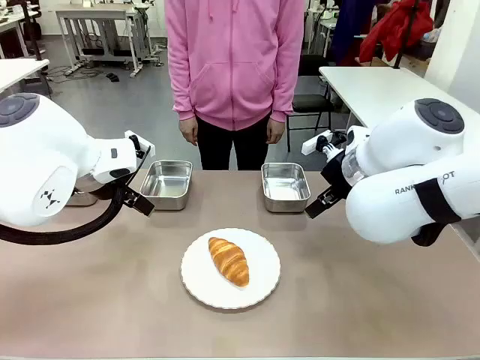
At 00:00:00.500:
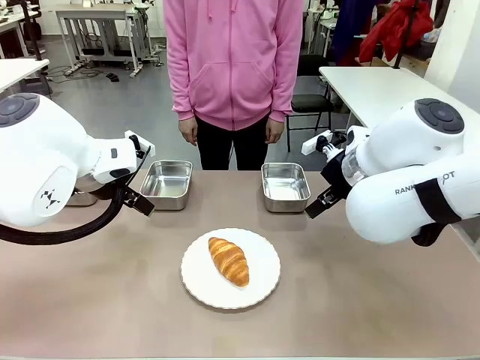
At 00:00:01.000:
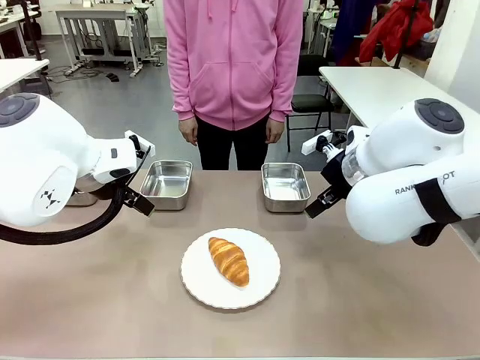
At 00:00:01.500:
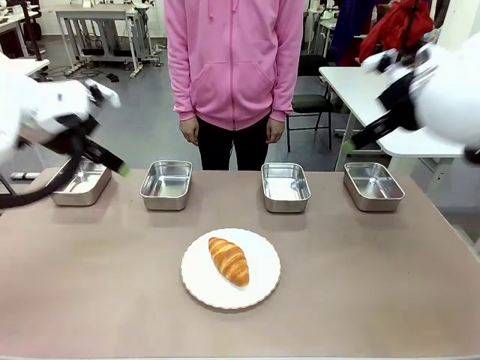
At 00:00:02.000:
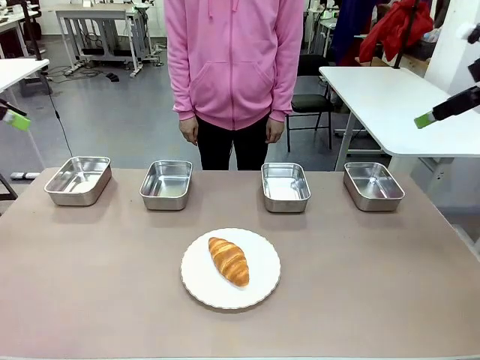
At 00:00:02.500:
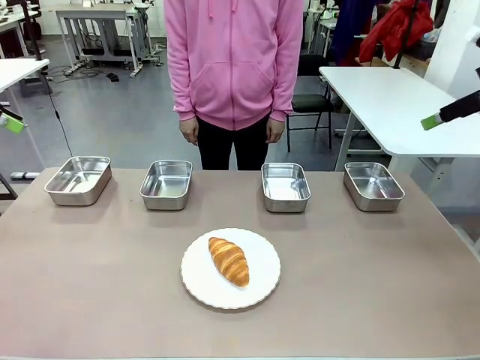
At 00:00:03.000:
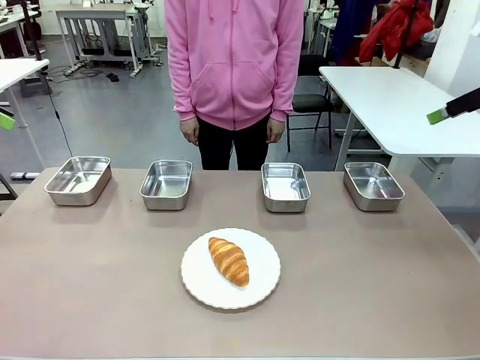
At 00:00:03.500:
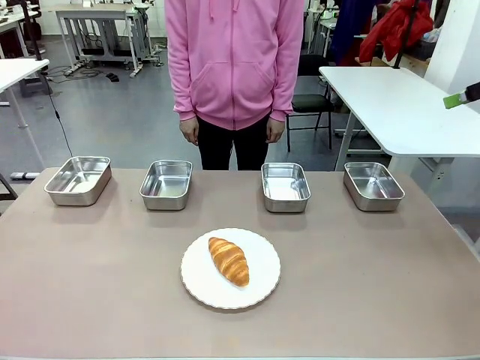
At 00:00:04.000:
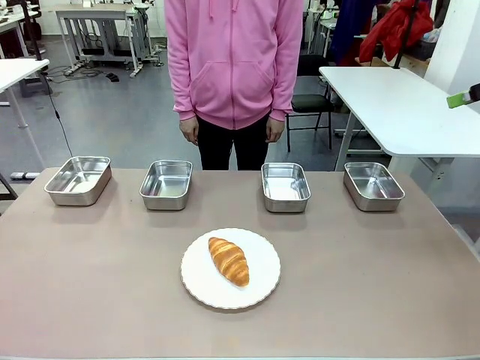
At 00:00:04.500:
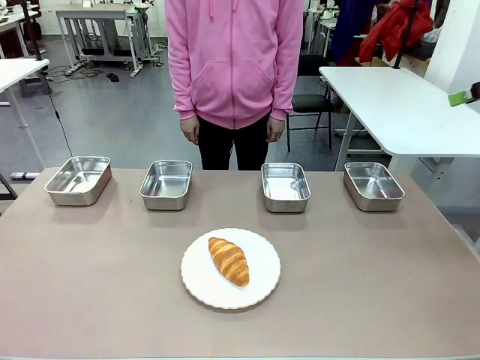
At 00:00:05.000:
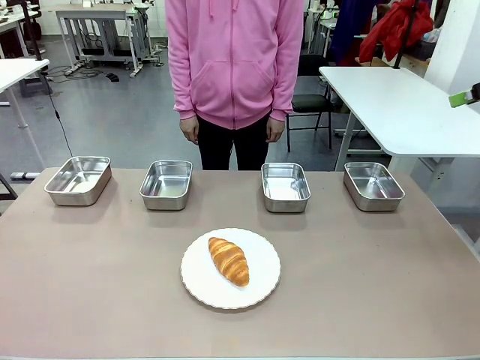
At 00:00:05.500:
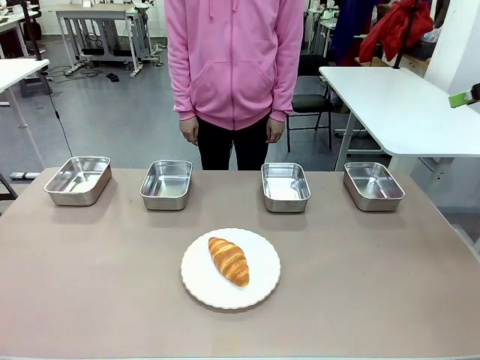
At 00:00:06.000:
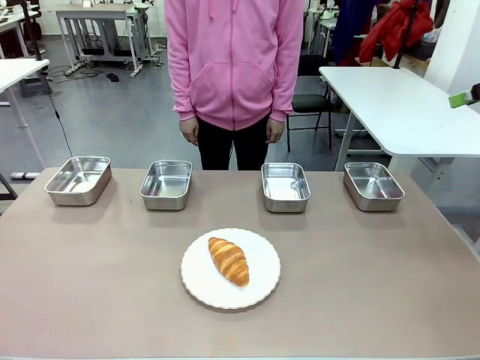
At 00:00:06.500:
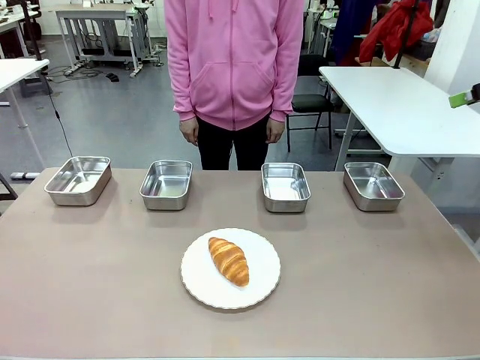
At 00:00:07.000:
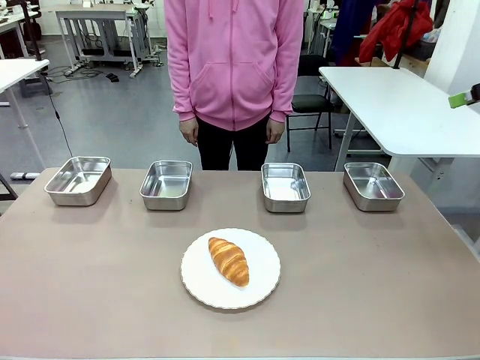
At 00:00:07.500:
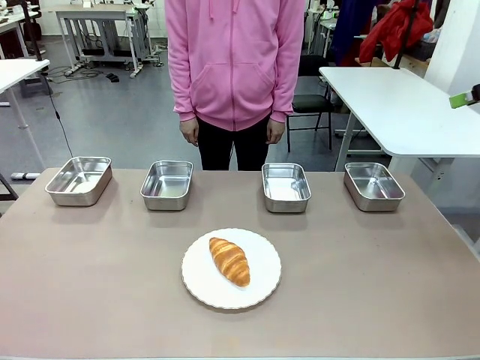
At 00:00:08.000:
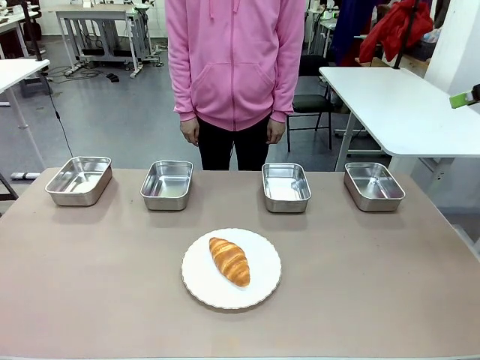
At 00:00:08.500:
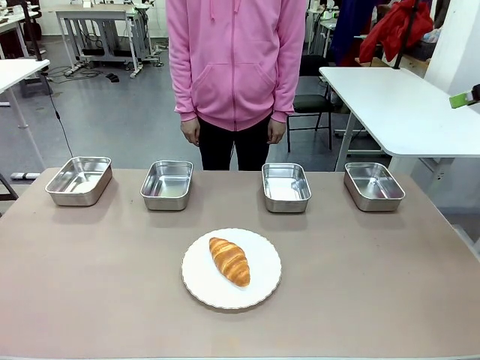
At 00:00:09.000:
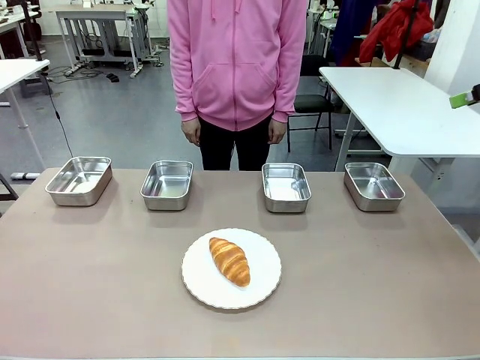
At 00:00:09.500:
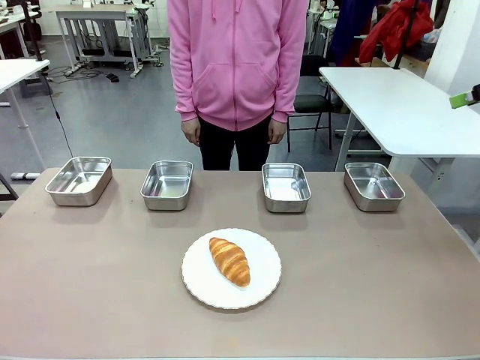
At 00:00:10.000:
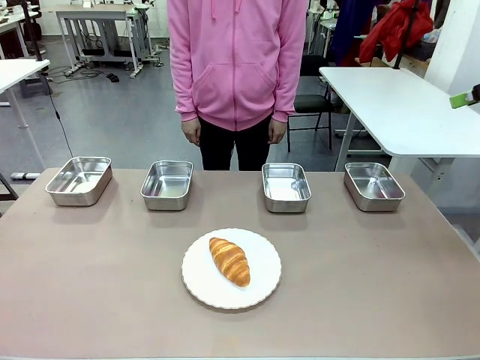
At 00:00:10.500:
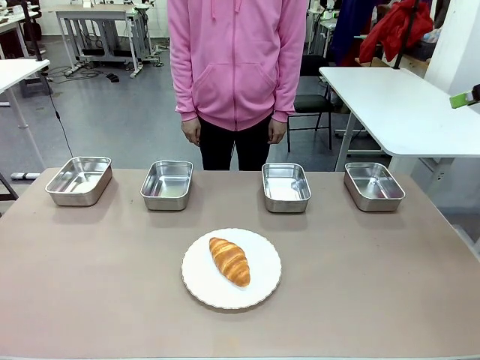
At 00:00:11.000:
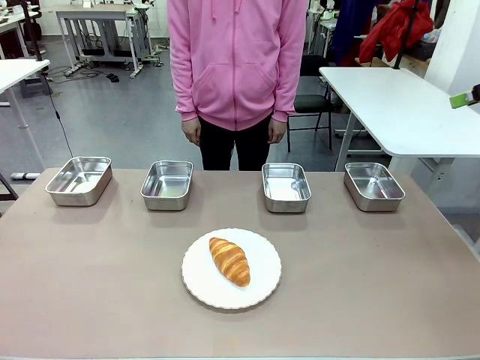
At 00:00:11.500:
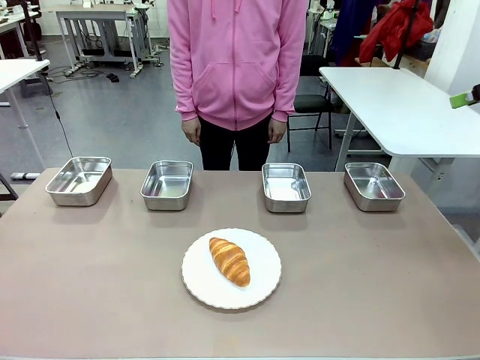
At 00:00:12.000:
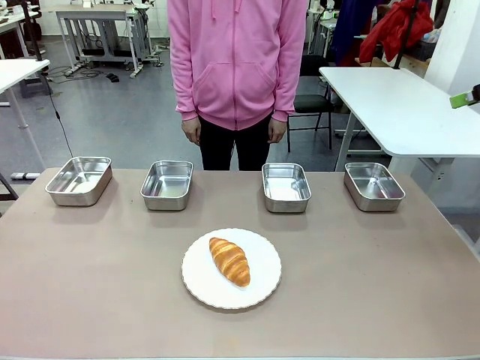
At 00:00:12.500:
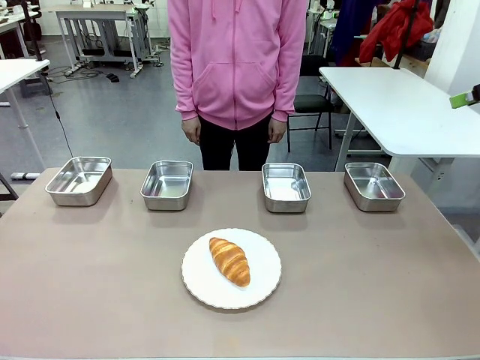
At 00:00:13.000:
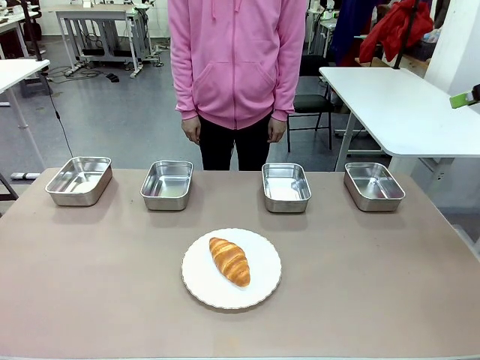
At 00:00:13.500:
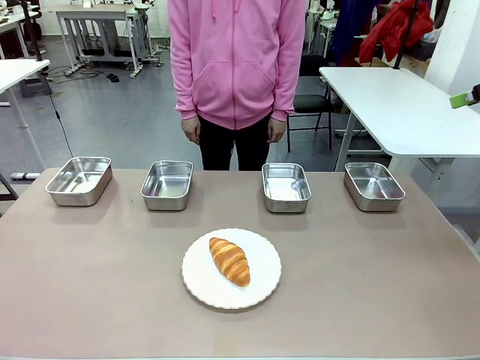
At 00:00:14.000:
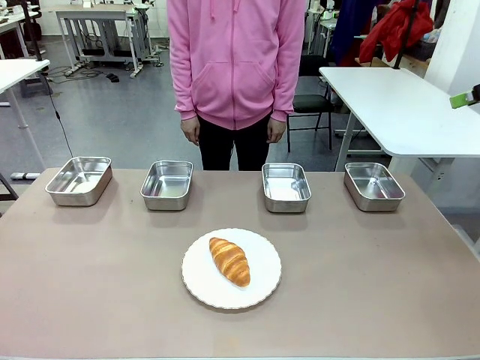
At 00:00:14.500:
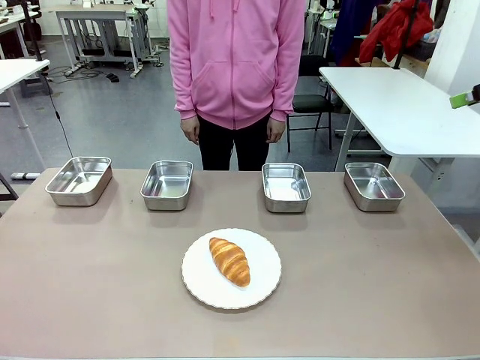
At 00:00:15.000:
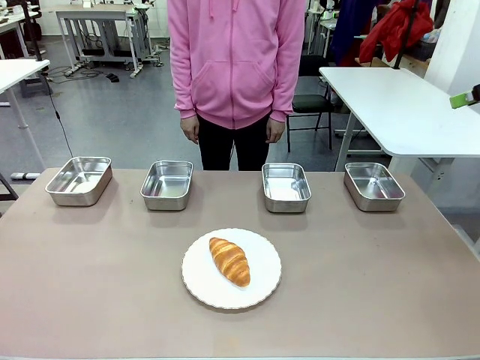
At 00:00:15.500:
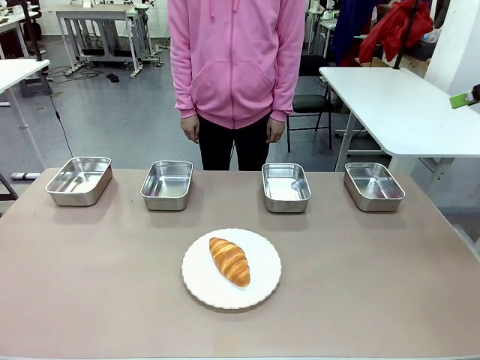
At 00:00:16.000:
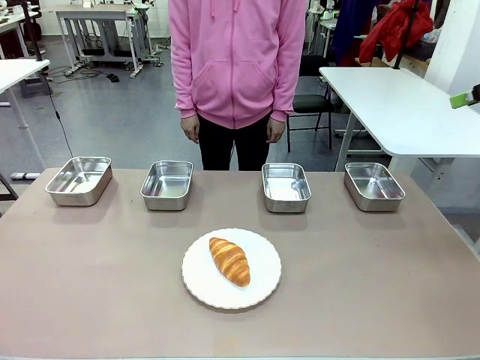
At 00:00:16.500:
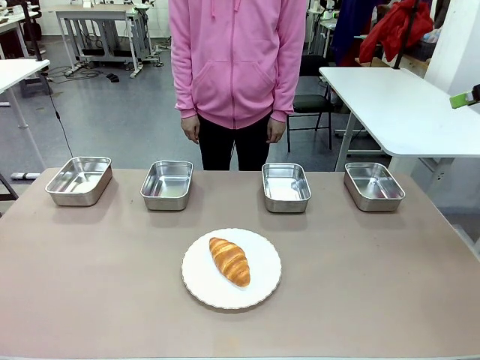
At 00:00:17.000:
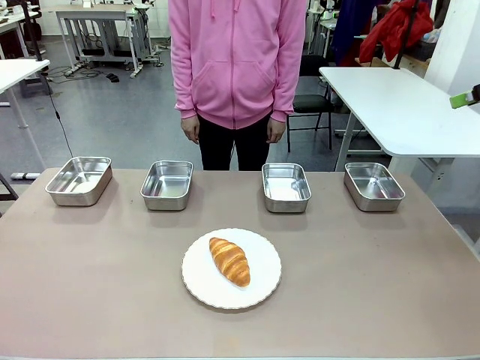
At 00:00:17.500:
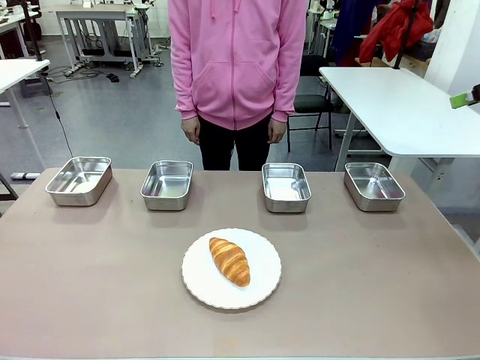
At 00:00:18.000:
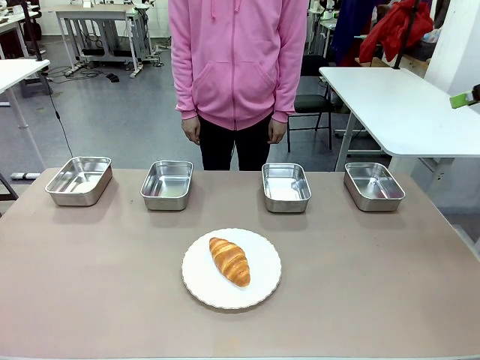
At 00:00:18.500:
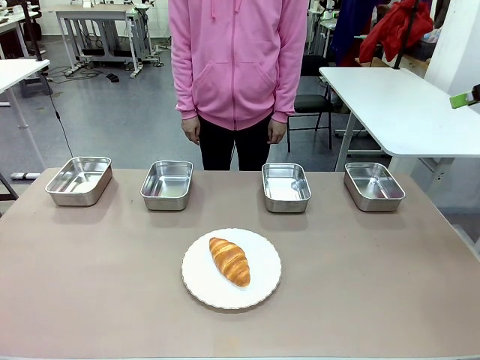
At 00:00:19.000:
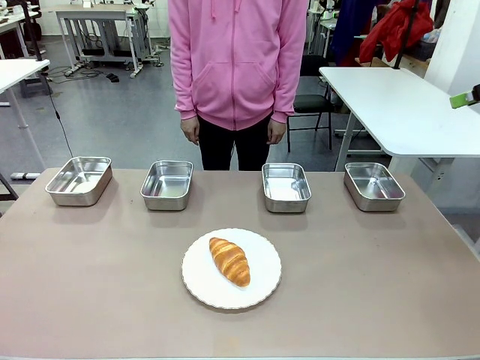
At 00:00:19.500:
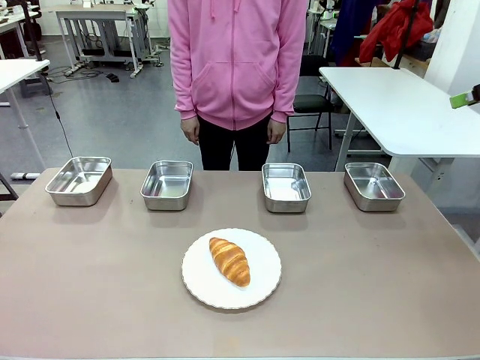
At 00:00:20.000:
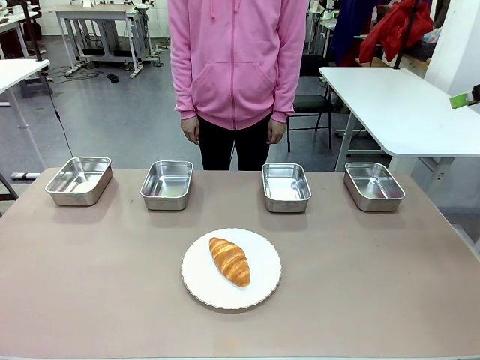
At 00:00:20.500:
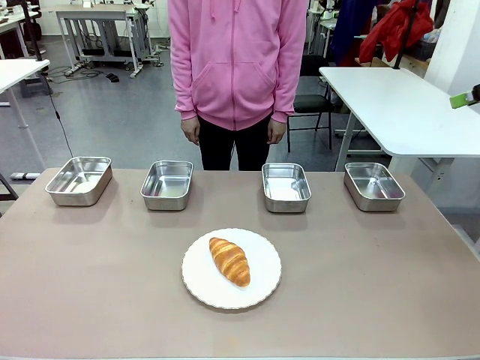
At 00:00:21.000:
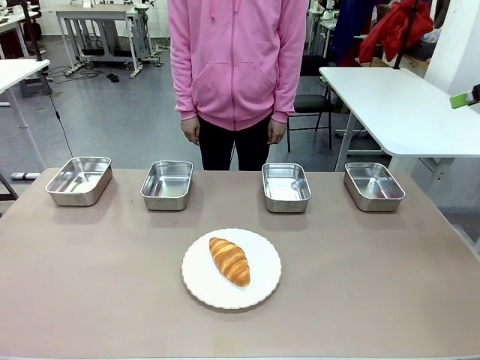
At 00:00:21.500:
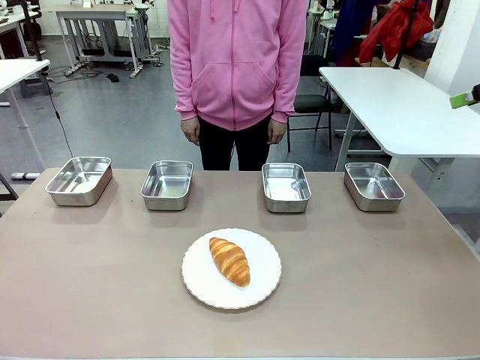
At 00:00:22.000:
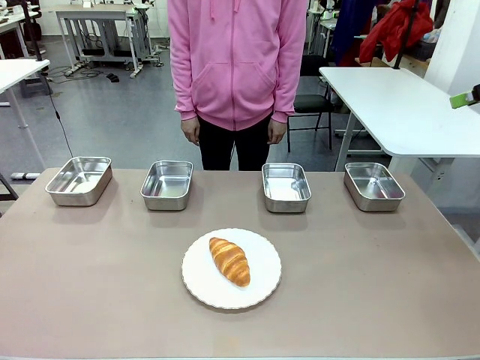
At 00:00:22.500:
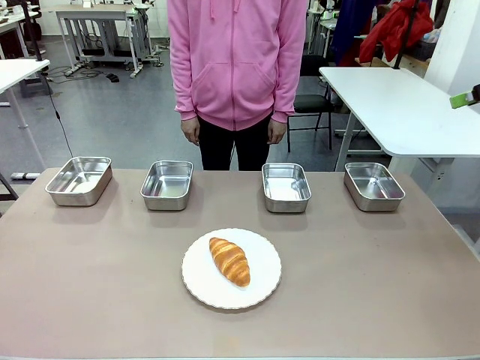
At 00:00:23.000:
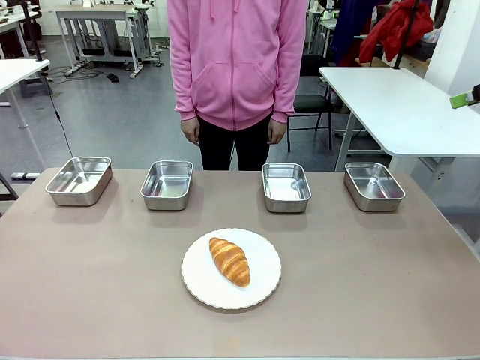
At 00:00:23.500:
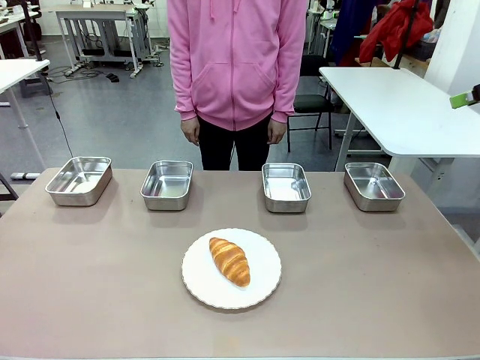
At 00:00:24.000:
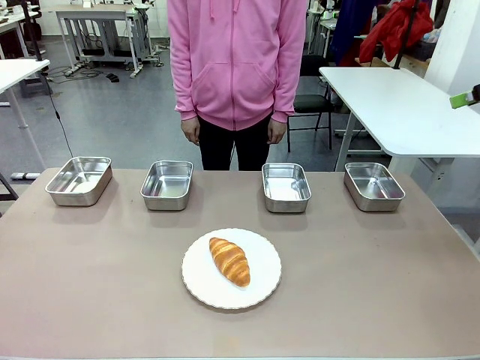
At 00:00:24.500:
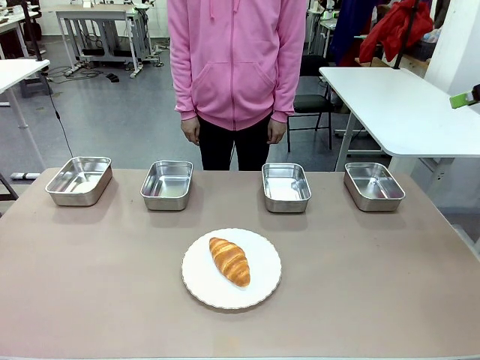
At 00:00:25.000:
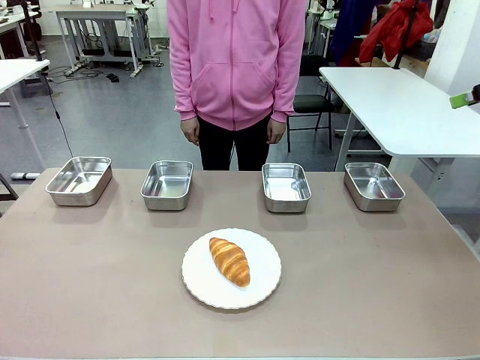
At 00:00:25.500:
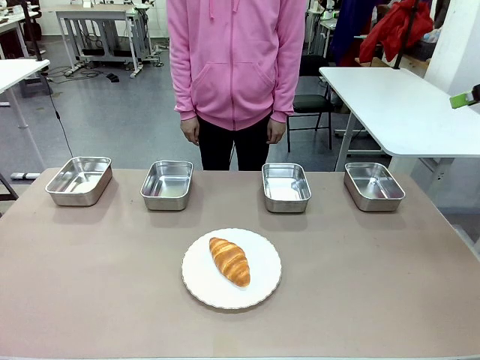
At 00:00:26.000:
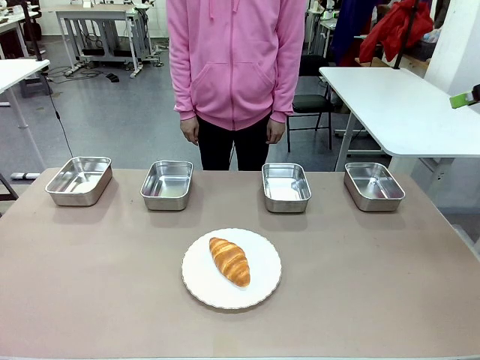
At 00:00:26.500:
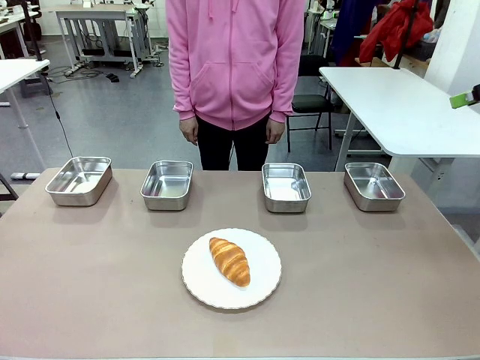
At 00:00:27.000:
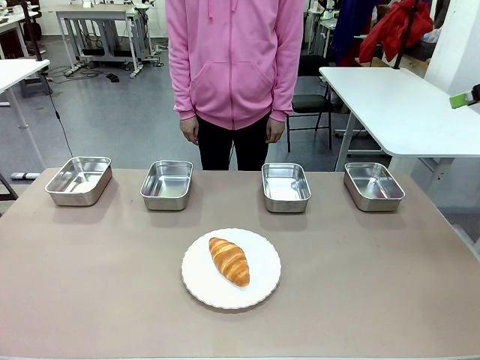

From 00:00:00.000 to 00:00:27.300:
Task: Place the bread in the container.
Robot: Place the Butter Roll into the Airtight Container indicated by the human.
